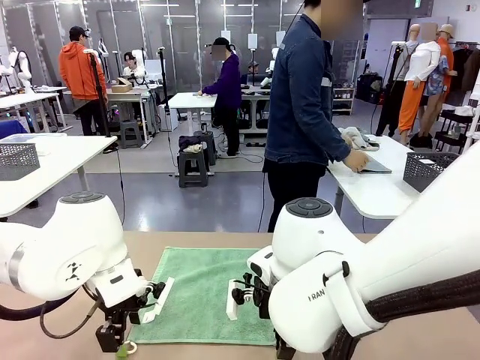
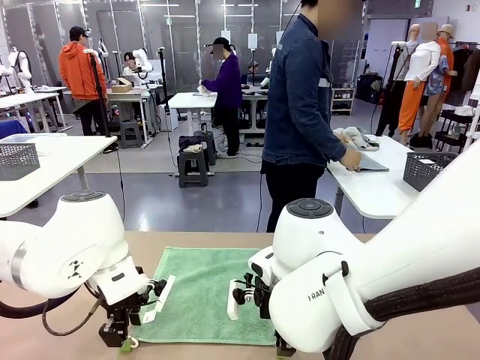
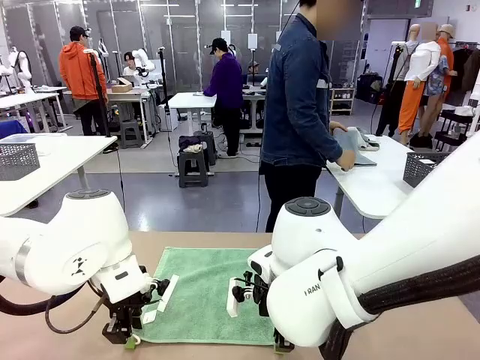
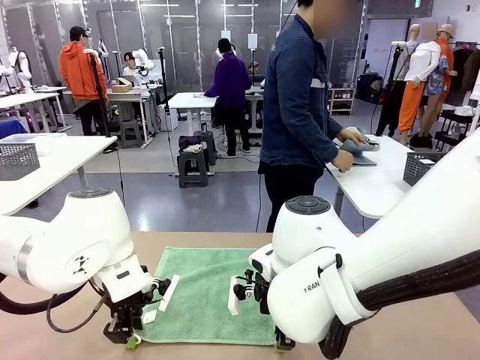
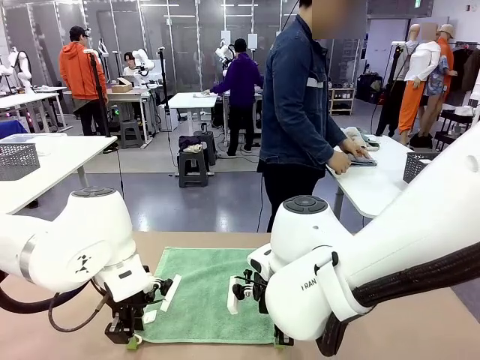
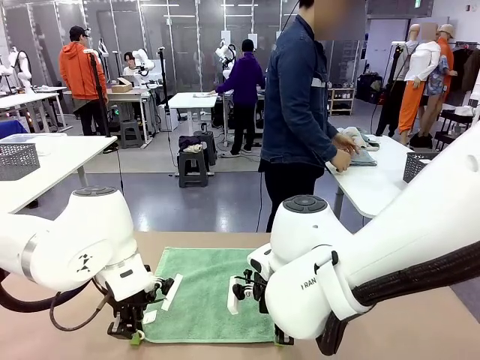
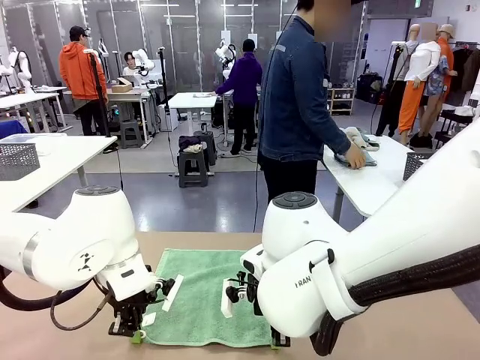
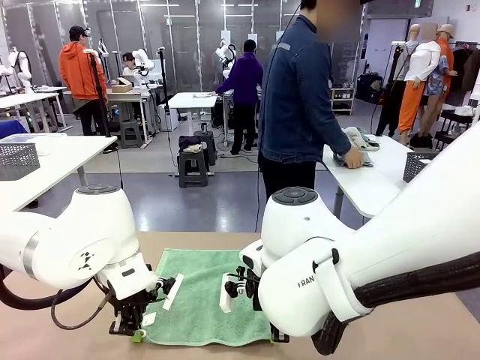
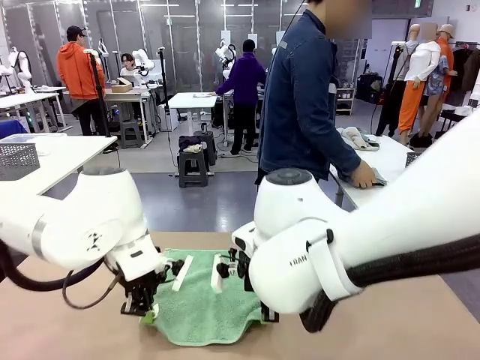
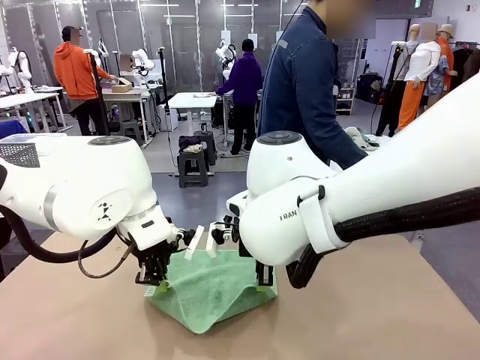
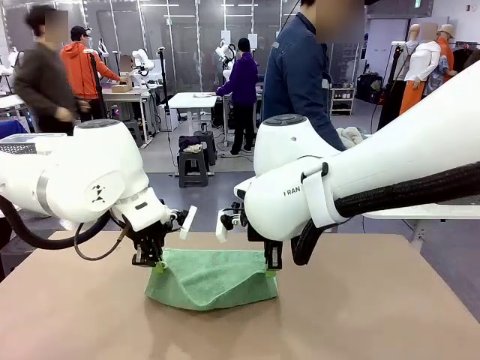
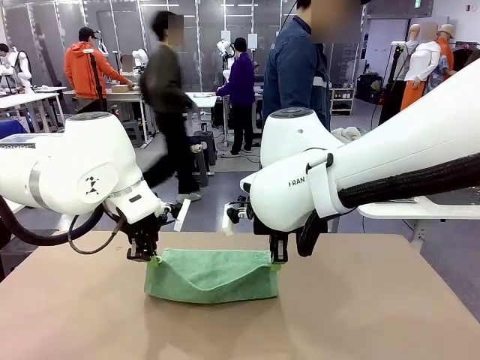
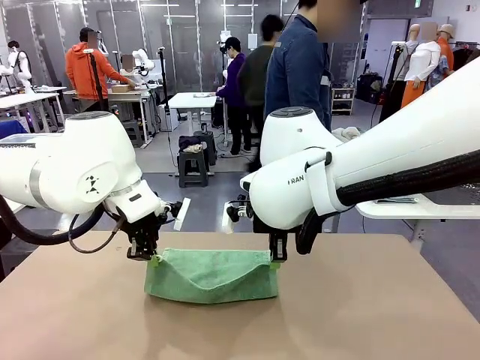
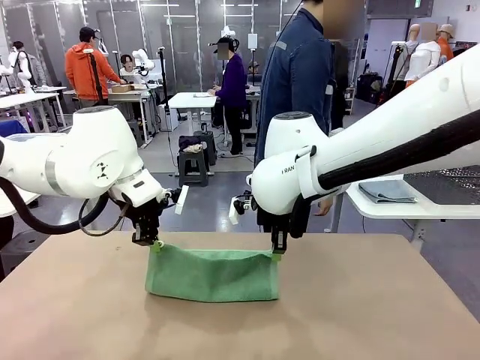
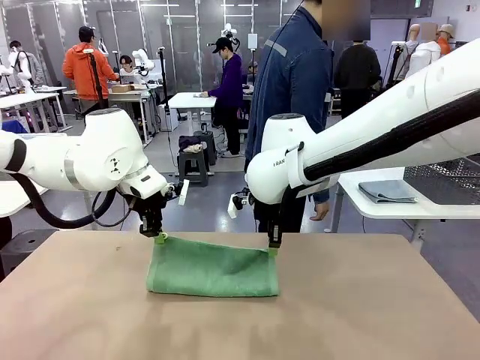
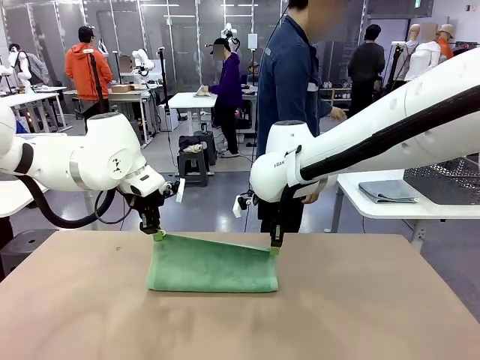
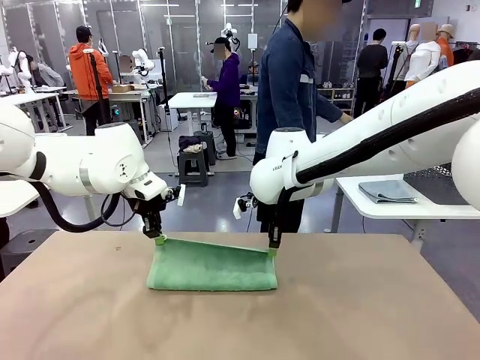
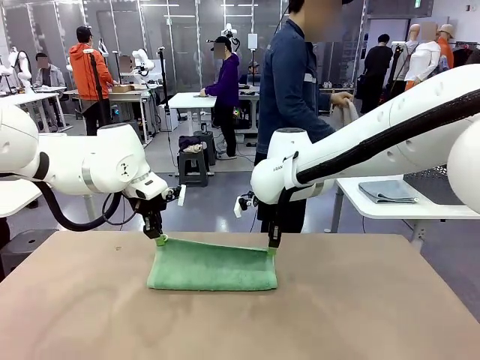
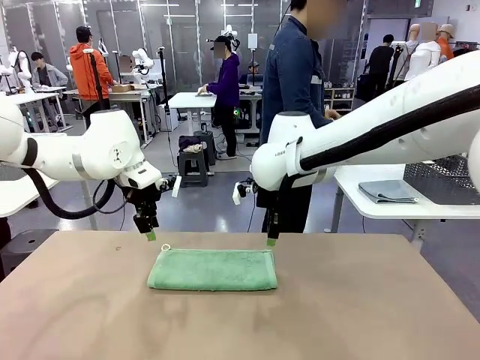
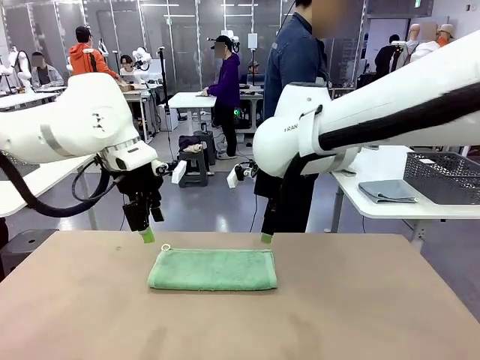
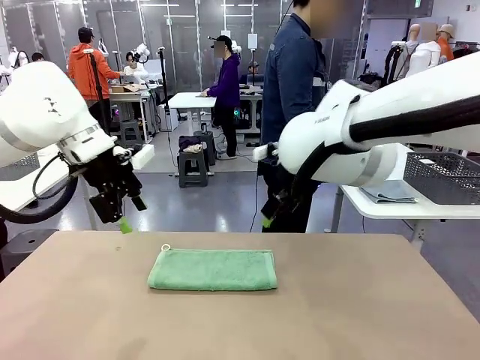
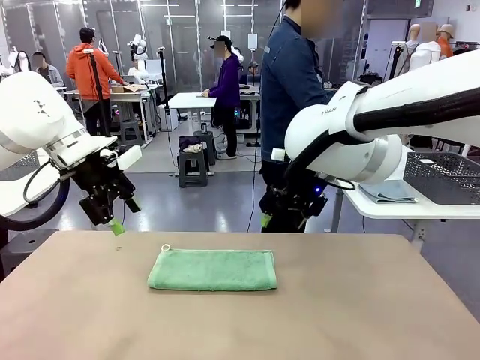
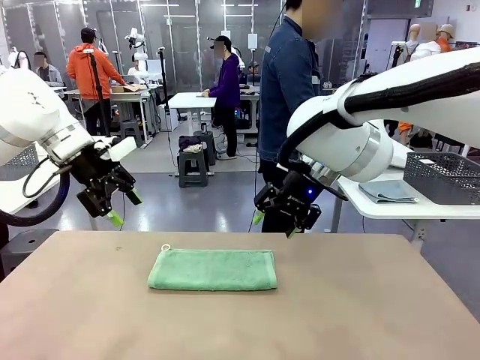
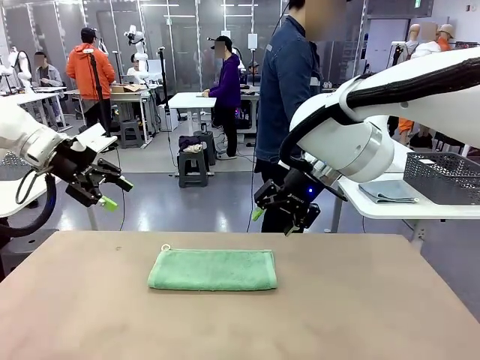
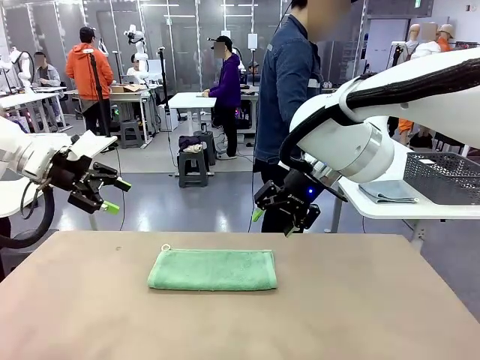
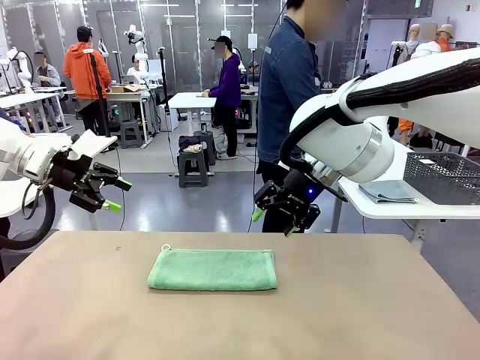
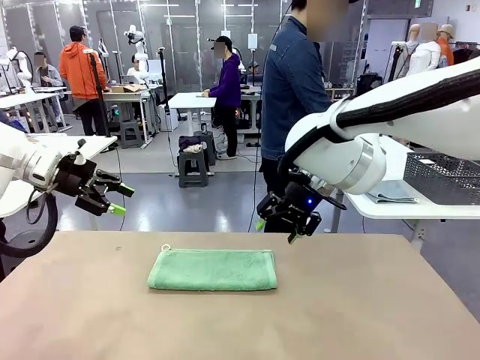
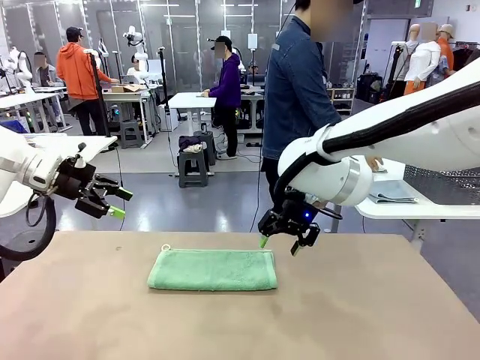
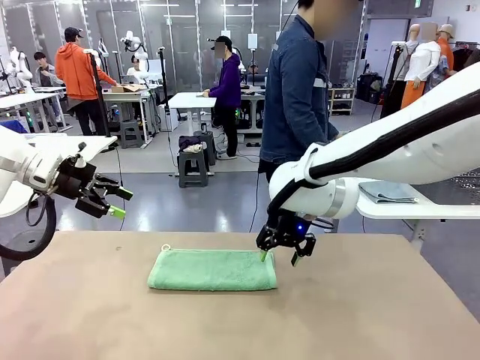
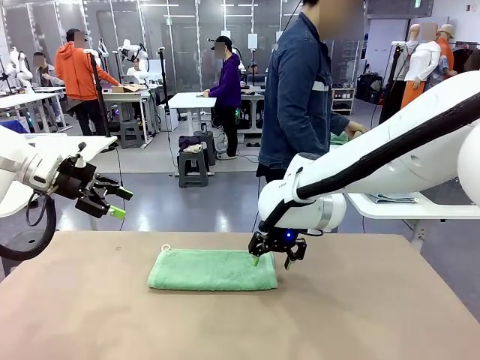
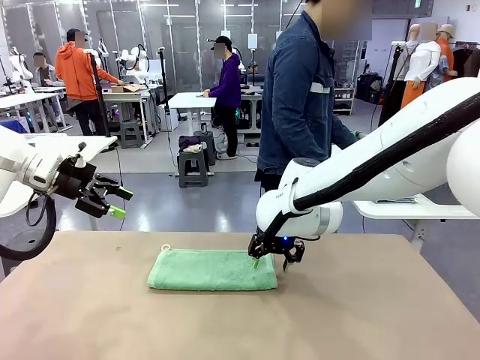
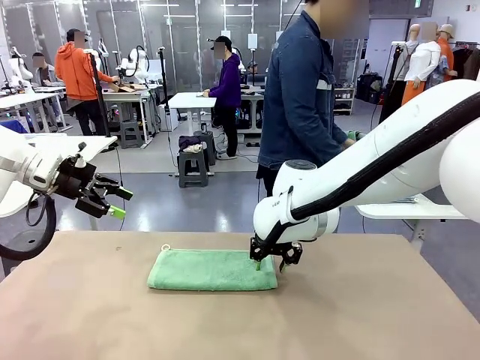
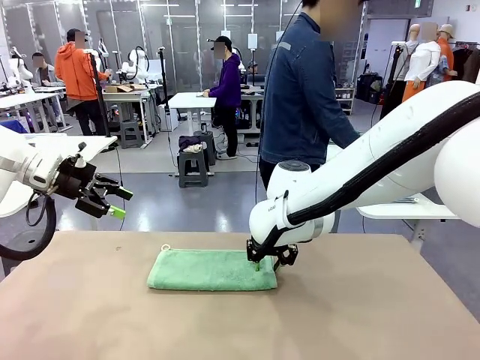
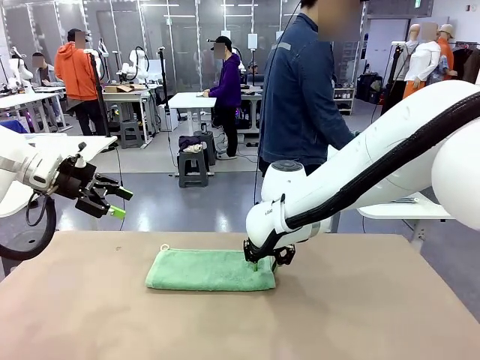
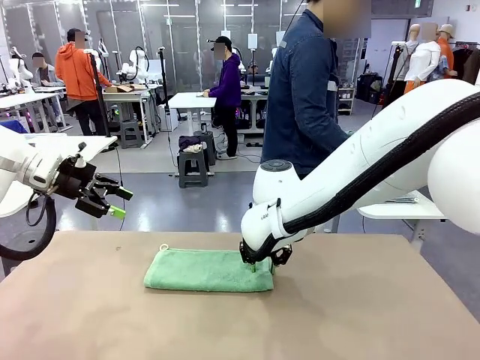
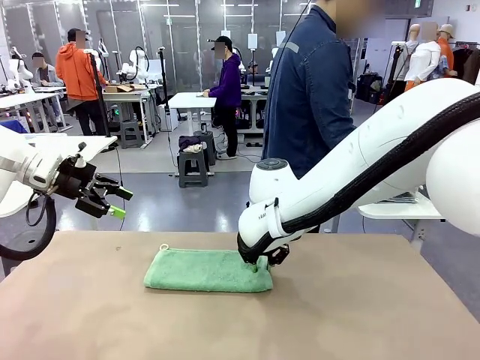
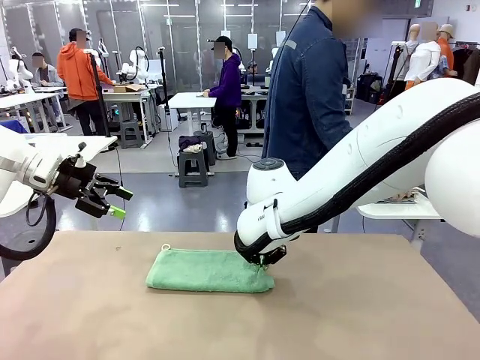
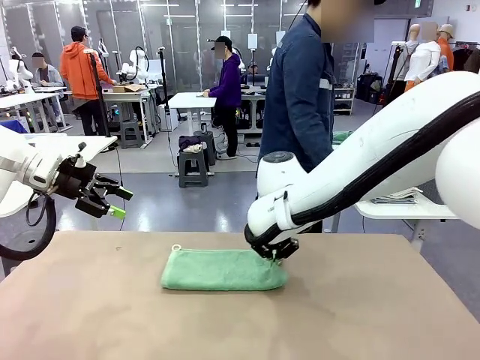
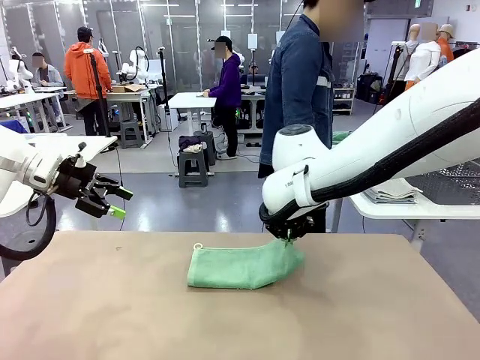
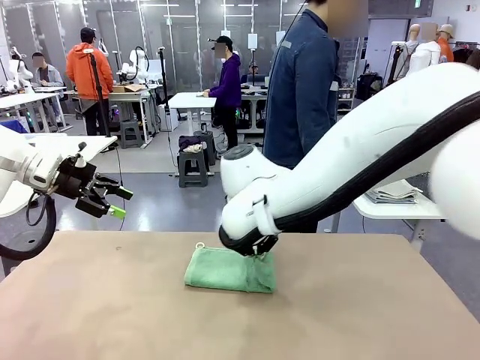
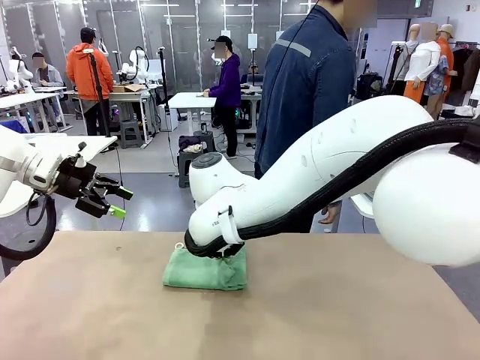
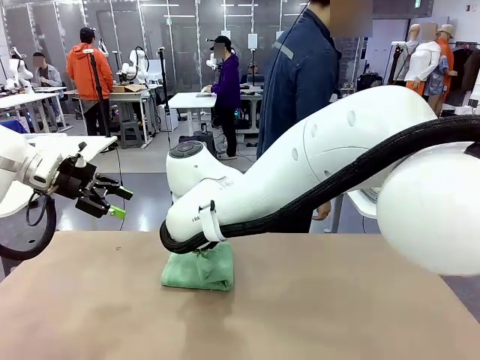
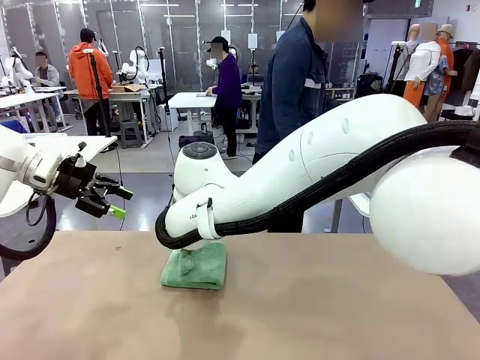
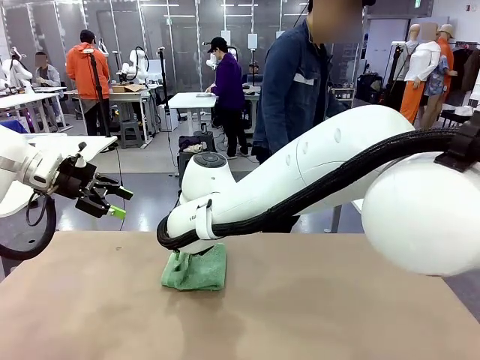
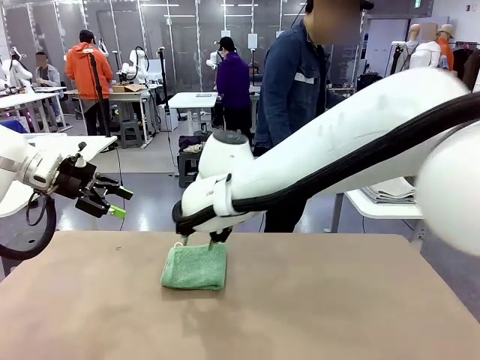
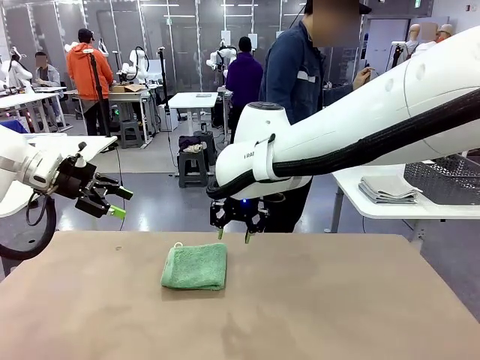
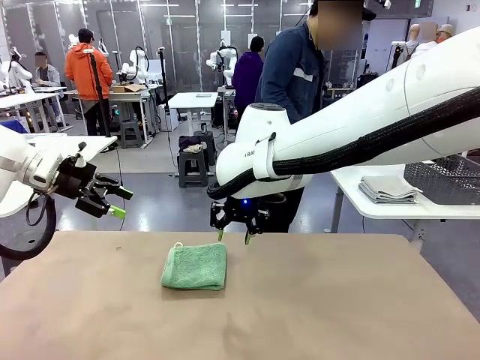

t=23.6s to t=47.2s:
Task: Fold the towels and place them in the basket.
Robot: When a person lays out a Towel with hook on the table, fold it in half twice.
Person: Pick up one towel from the left side of the human table, fold it in half twice, and stack it on the right side of the table.

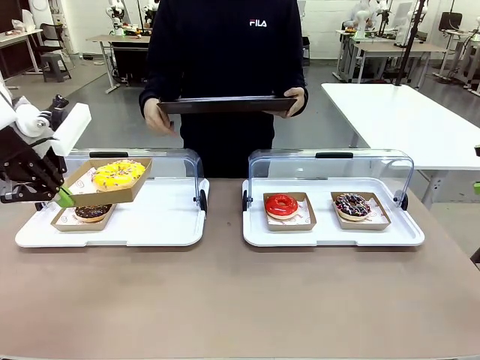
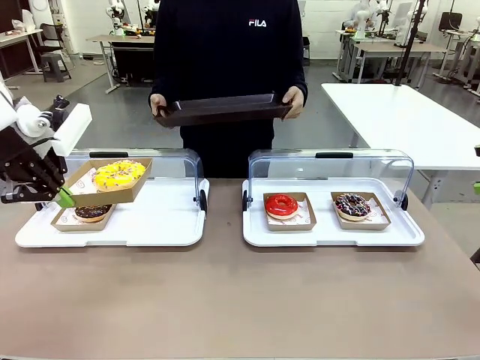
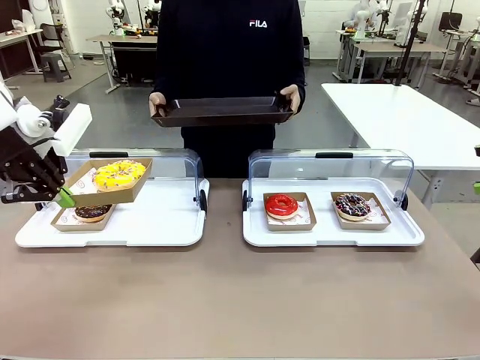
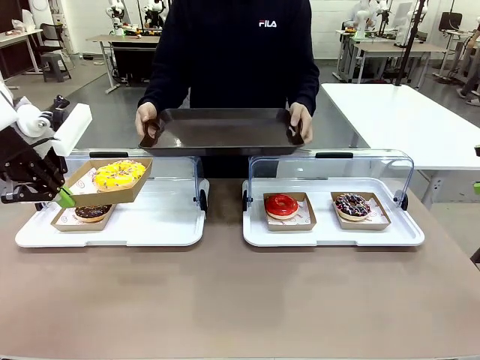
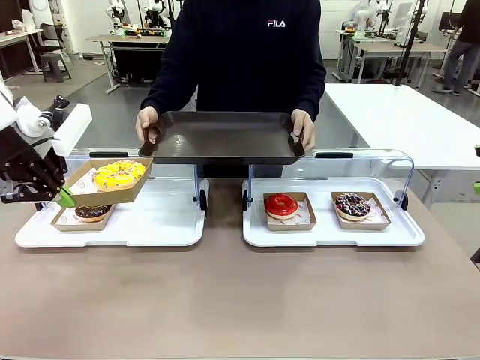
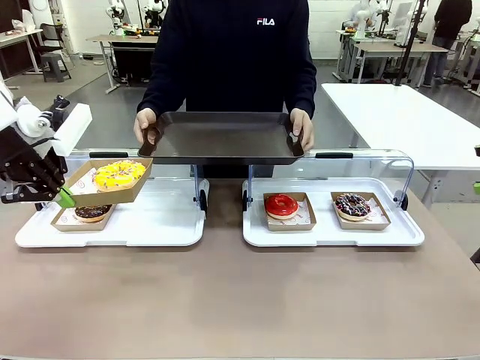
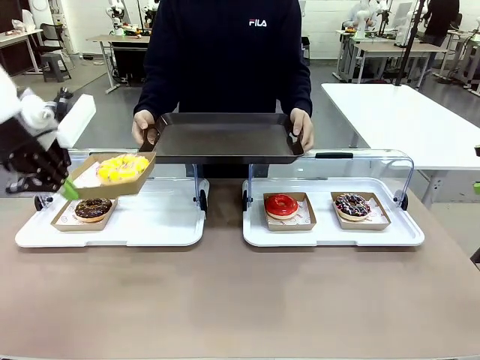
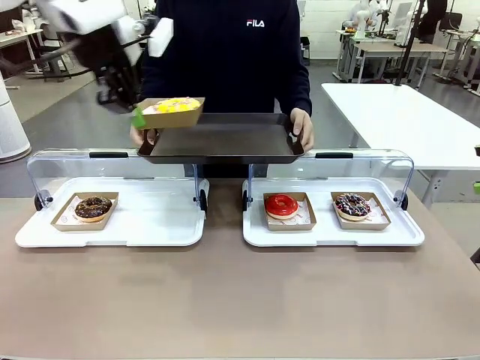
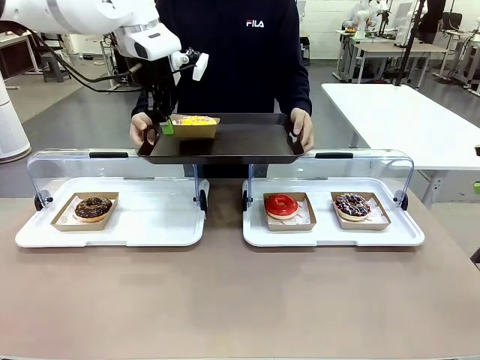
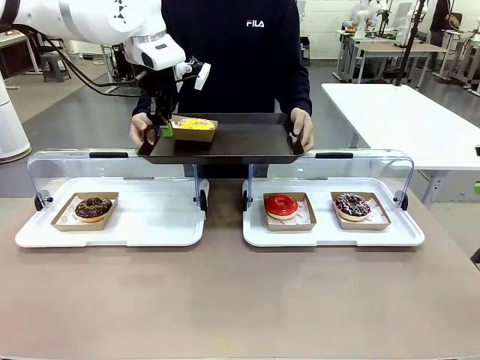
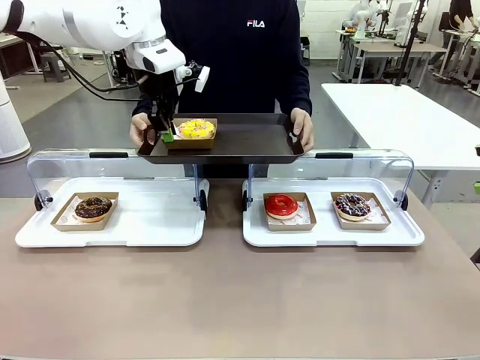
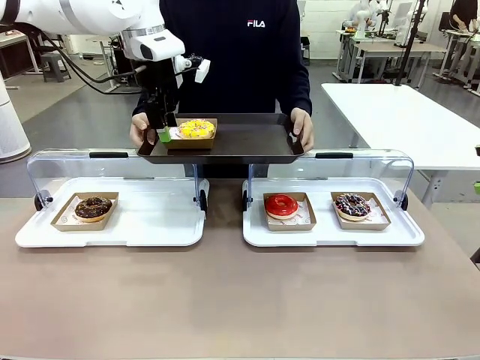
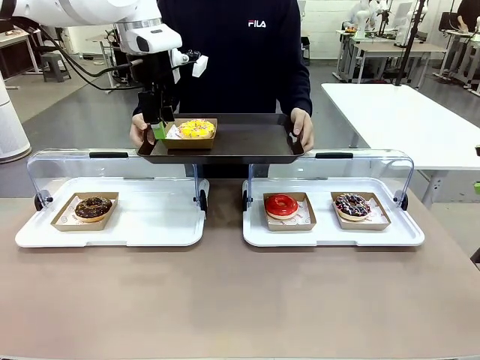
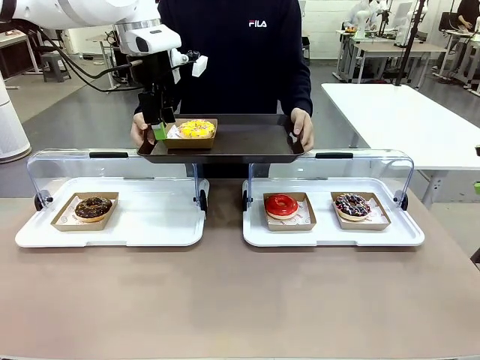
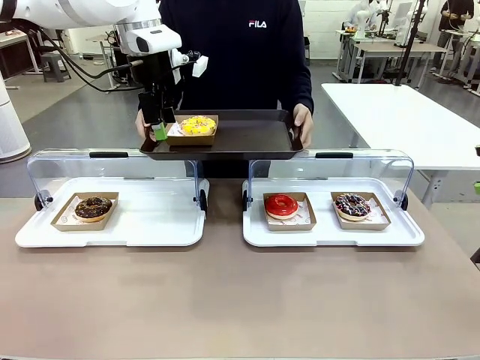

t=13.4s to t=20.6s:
Task: Provide the desired donut to the person.
Robot: Place the picked Paper togo box onto the Handle tray extended by the person.
